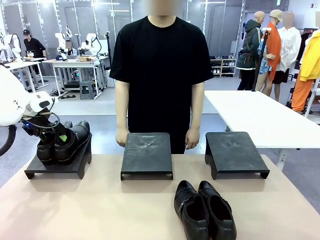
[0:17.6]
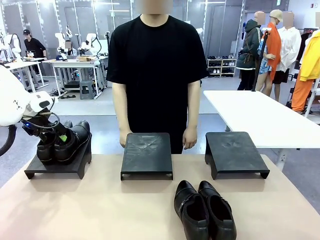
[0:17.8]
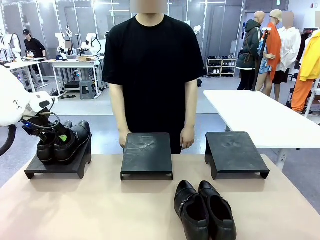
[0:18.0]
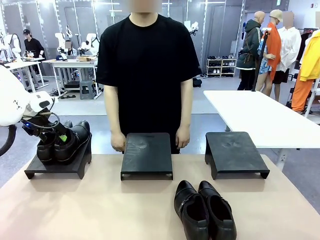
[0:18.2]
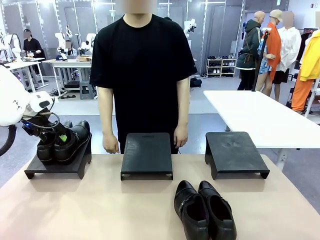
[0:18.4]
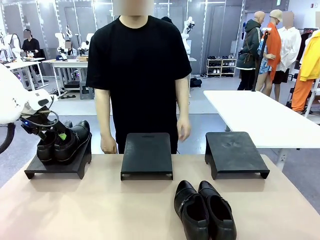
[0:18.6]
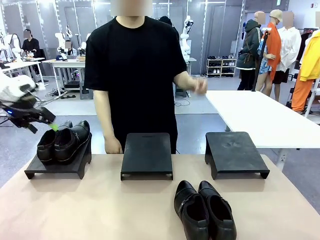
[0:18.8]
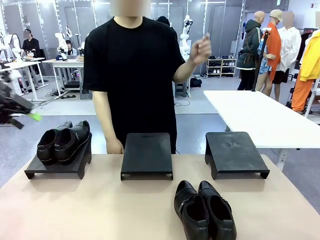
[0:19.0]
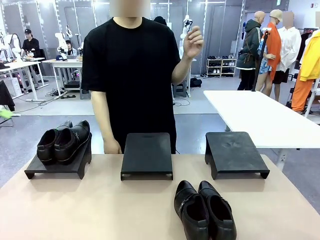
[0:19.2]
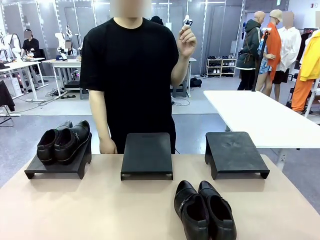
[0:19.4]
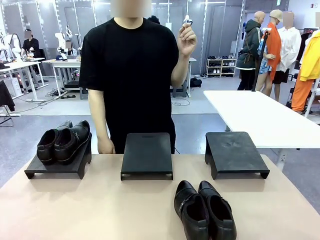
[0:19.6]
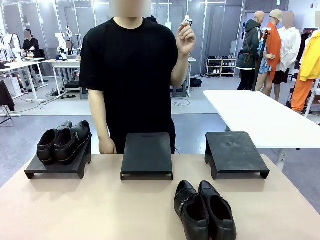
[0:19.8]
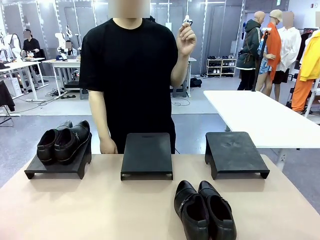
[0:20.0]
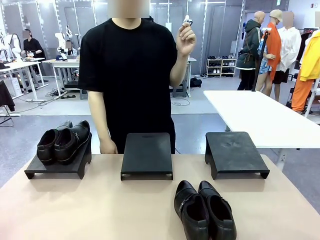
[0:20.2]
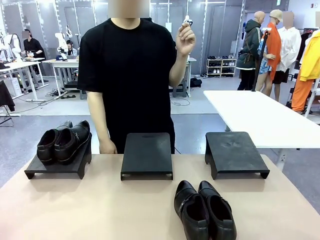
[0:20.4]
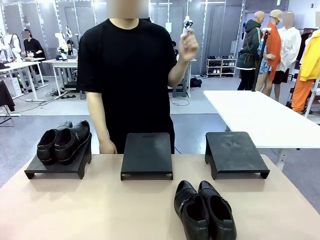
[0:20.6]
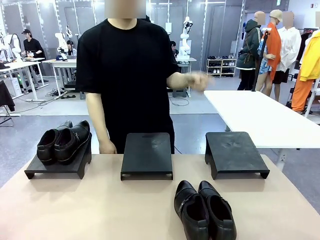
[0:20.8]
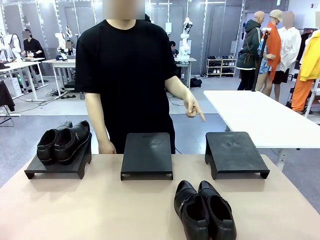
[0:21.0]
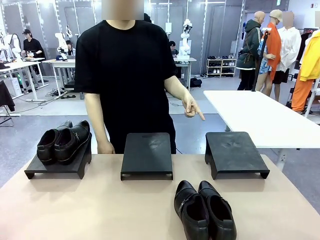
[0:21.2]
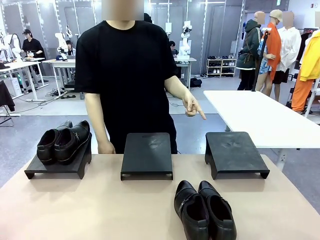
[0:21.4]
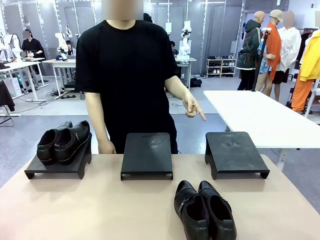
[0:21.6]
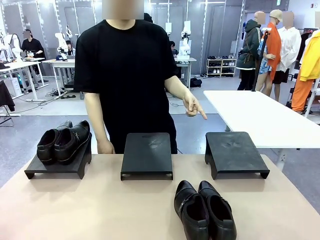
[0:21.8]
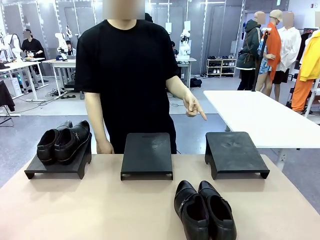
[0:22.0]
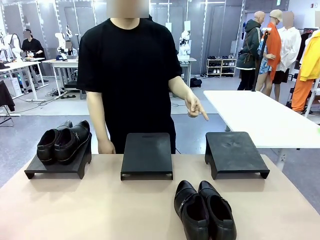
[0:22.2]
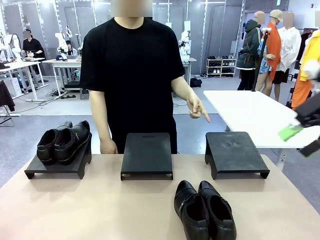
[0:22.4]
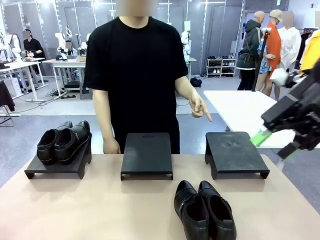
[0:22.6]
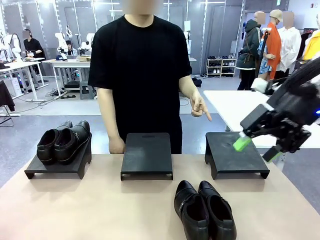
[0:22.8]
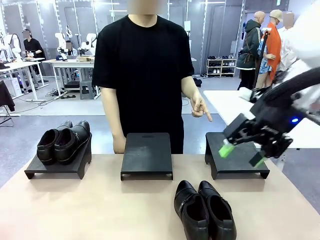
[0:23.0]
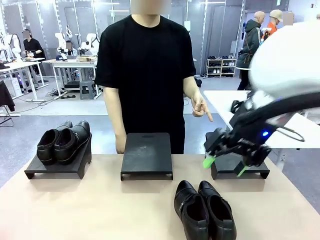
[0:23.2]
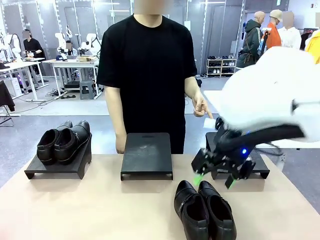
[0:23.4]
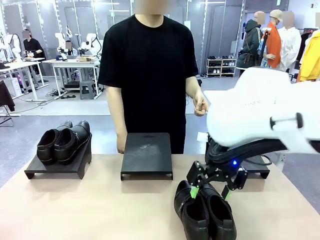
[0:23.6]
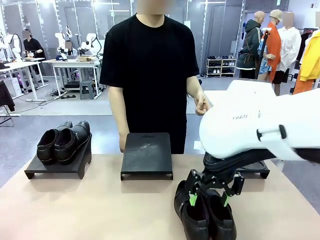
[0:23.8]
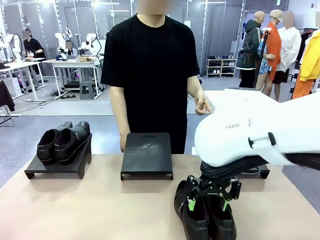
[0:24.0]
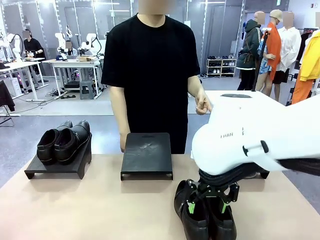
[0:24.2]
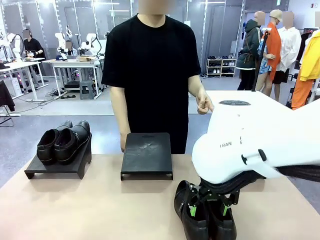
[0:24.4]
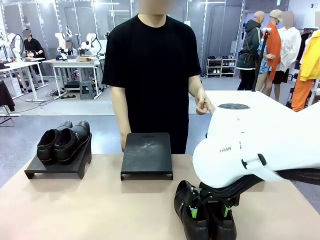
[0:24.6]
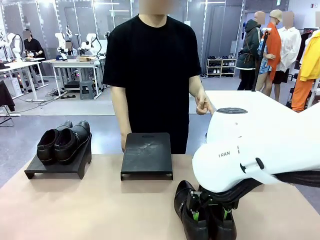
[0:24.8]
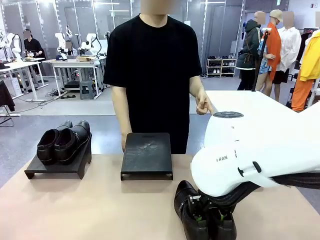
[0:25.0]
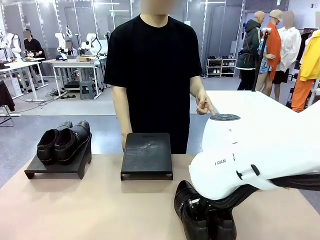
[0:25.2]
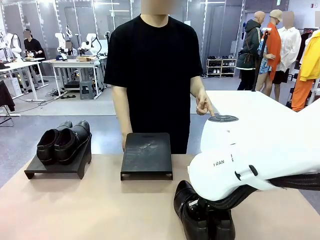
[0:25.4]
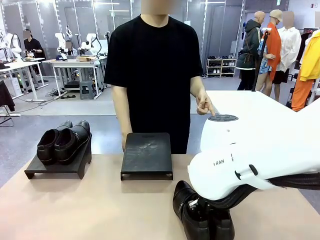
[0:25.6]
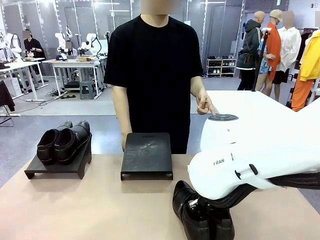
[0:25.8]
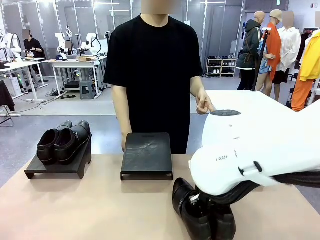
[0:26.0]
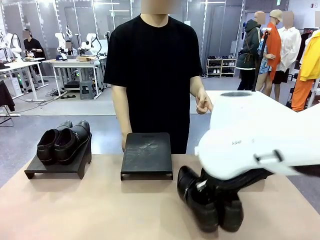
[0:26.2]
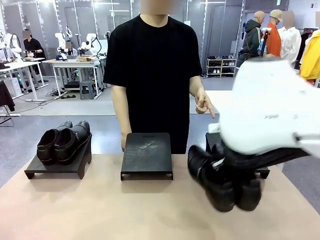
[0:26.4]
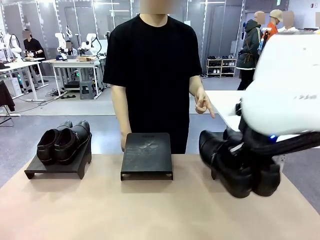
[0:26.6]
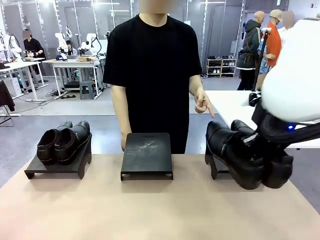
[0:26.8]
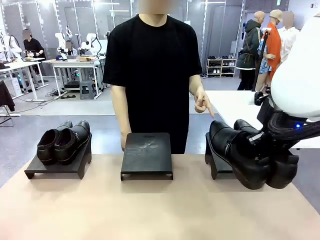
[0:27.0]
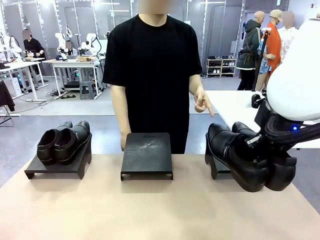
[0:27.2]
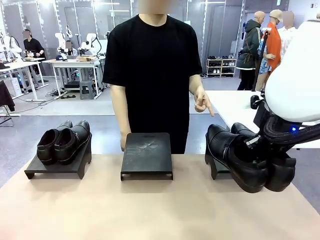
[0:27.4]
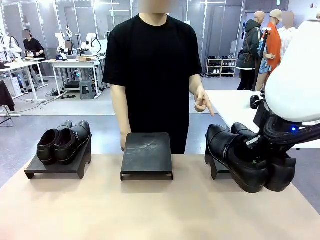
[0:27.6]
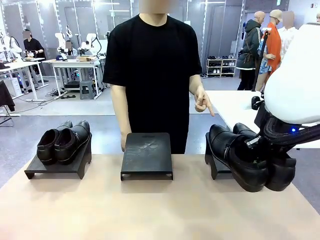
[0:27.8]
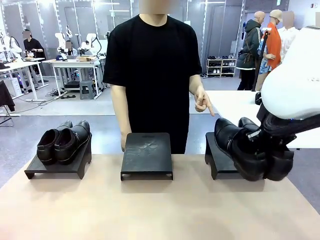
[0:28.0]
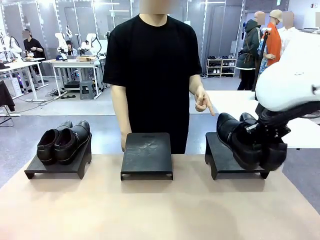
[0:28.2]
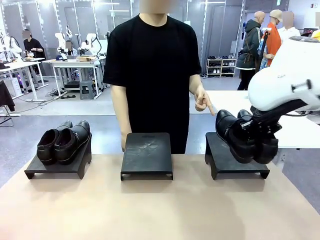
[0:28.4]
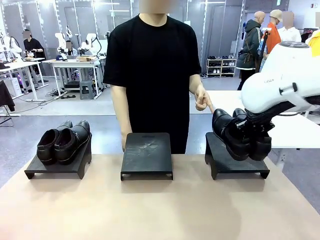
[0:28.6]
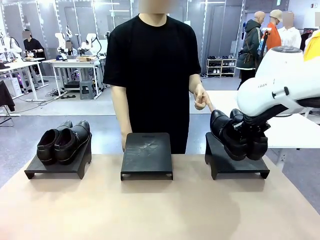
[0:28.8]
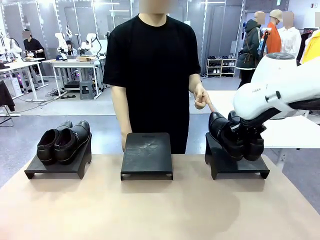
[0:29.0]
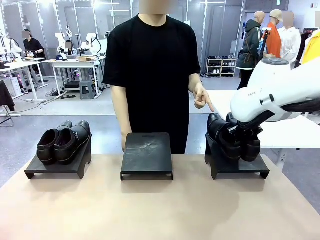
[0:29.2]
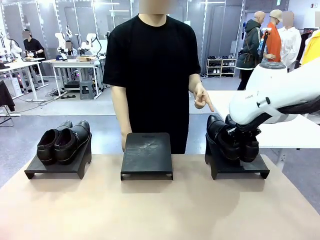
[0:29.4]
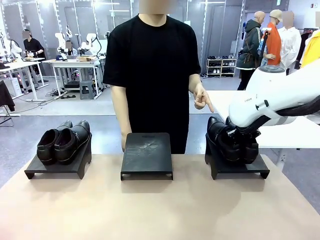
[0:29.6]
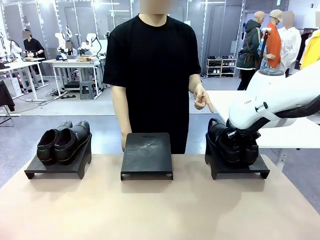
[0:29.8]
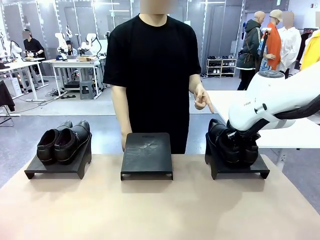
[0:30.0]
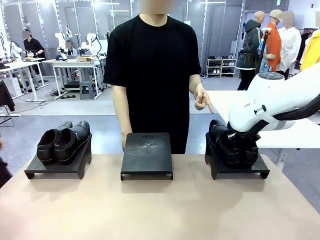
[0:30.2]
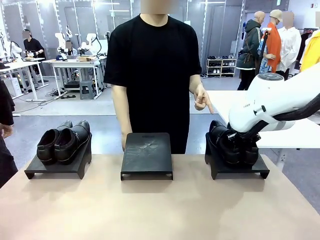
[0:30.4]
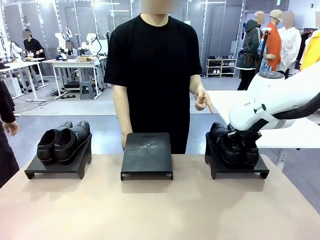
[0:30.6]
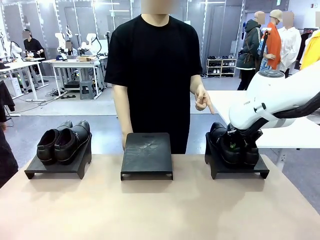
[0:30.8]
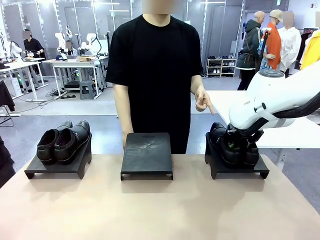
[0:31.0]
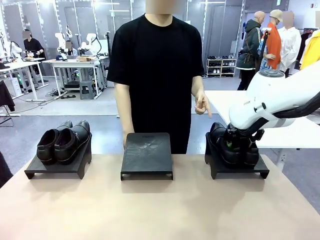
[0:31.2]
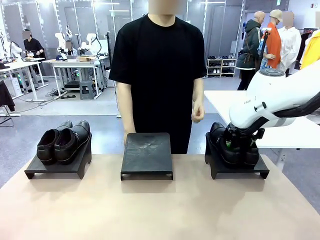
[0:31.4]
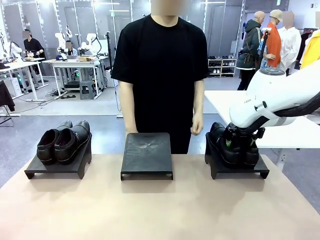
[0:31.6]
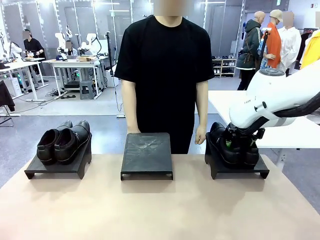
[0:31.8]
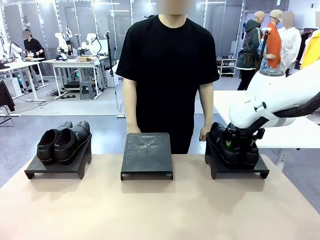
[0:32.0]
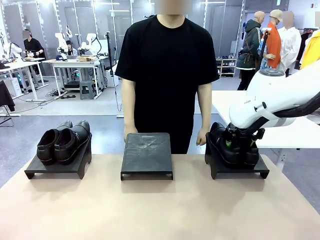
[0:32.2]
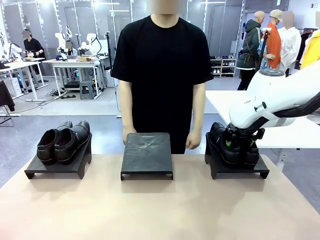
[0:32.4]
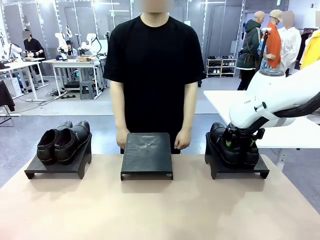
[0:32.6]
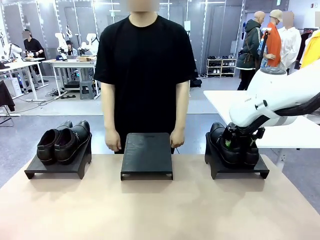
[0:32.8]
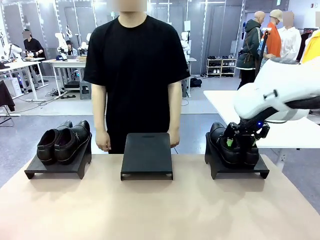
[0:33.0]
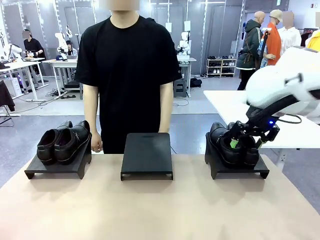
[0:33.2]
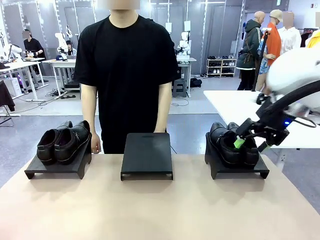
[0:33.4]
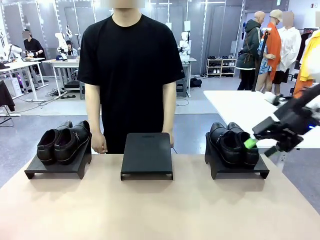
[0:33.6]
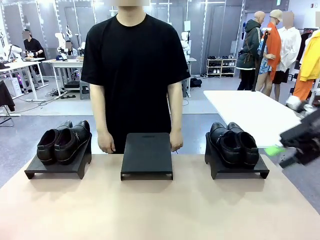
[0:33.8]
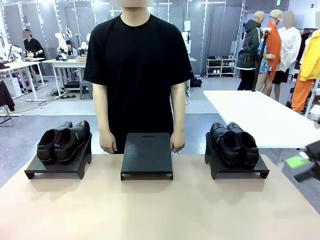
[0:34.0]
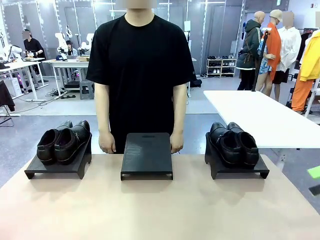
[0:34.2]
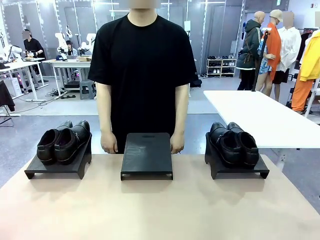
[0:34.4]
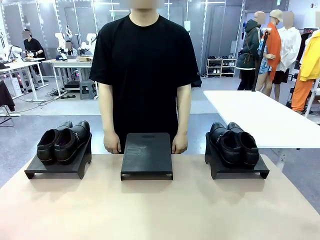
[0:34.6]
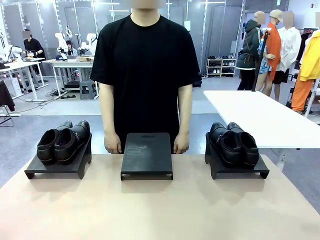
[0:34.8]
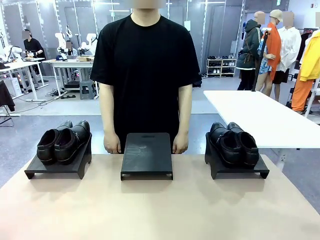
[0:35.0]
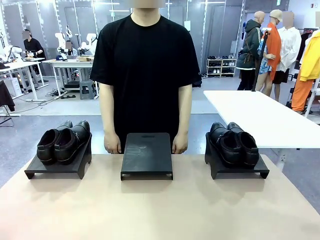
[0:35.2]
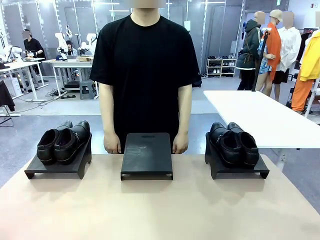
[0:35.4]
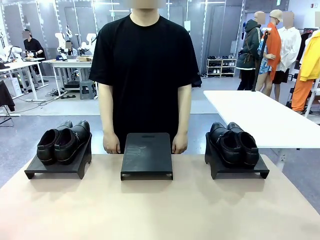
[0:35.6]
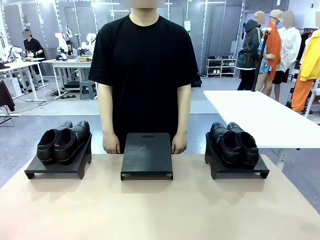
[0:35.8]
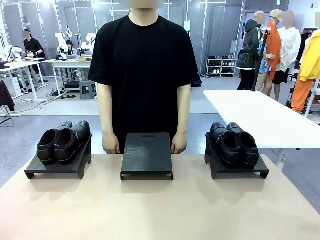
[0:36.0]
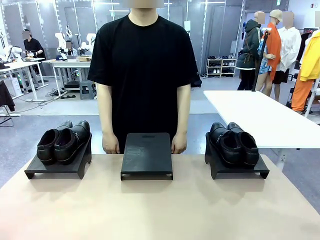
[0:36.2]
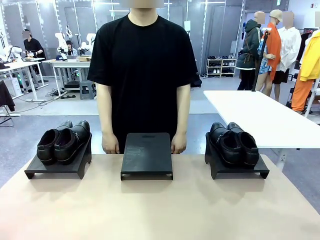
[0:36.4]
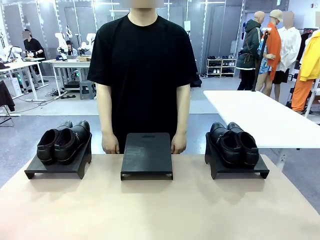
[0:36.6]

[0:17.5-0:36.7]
Task: Place the shoes on the stand as instructed by the person.
Robot: Pick up another pair of Shoes and place it on the Shoes Stand indicated by the person.
Person: Point to one Shoes Stand.
